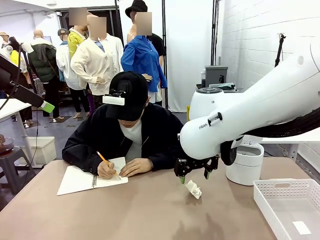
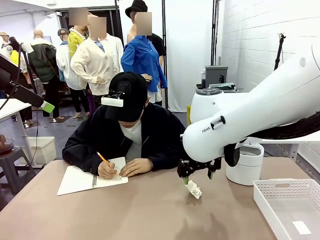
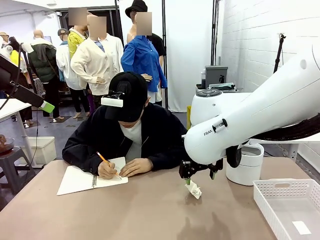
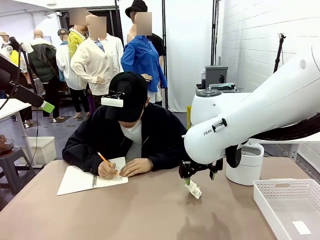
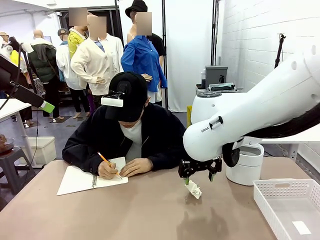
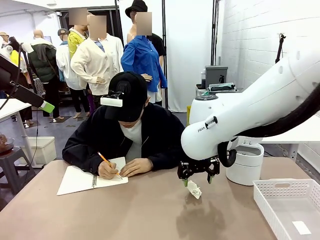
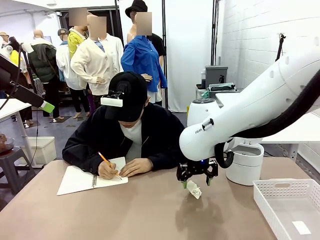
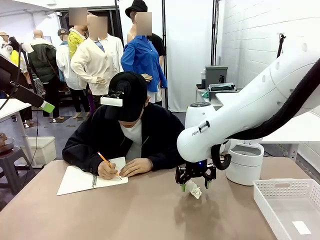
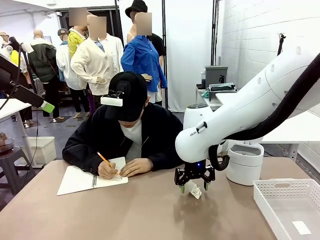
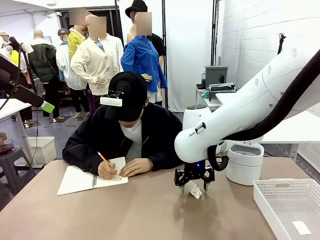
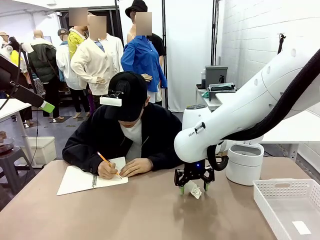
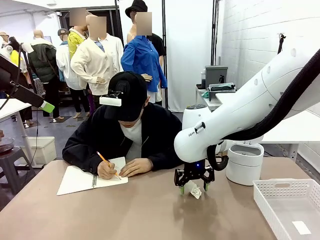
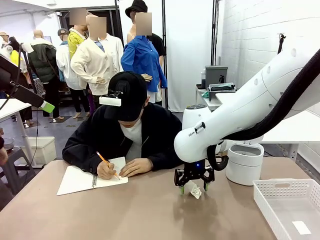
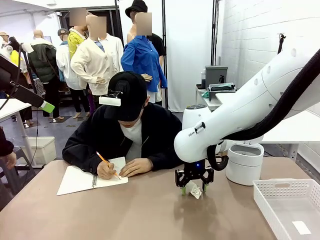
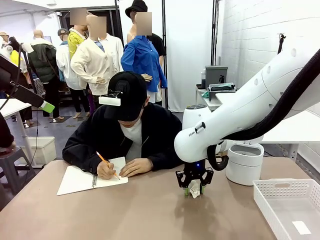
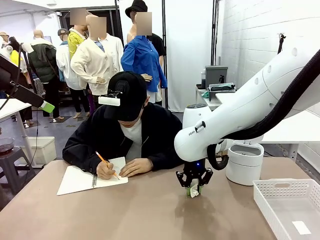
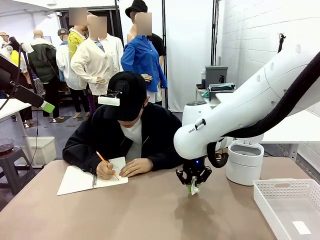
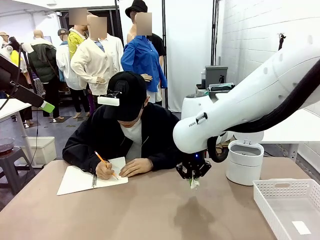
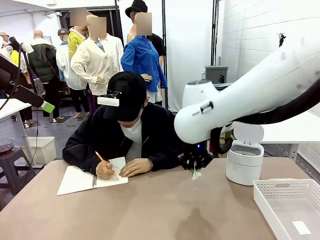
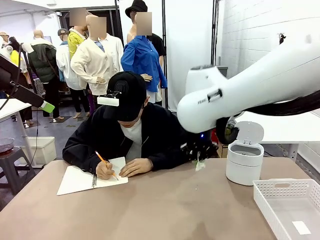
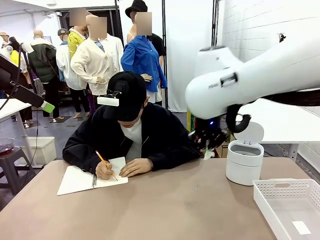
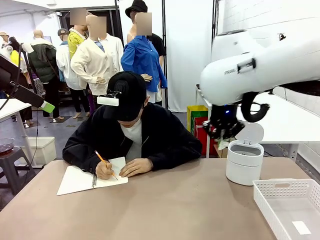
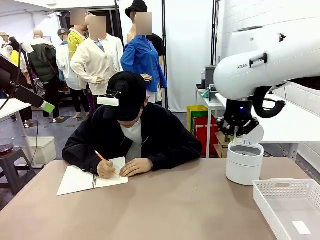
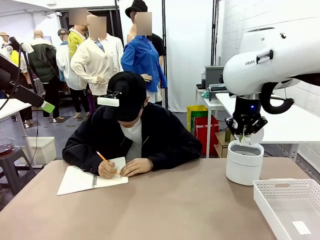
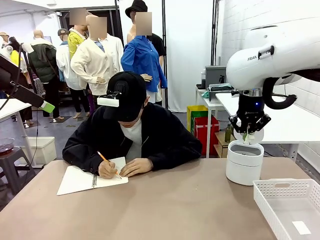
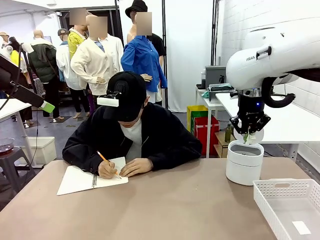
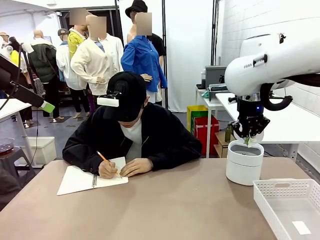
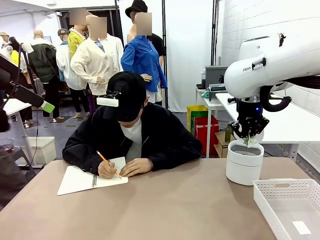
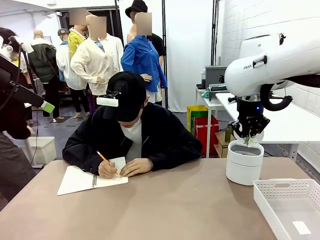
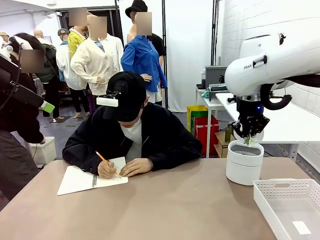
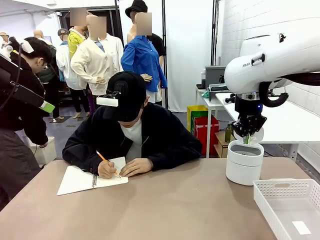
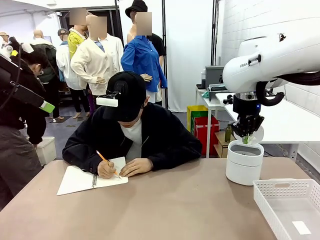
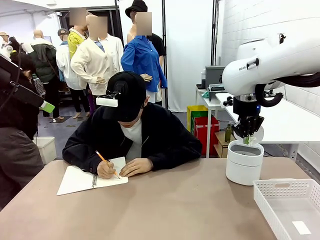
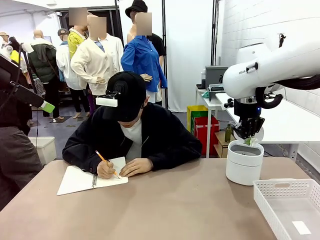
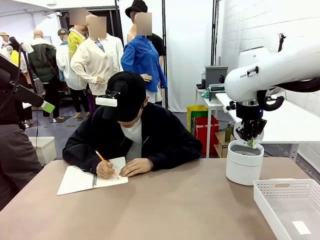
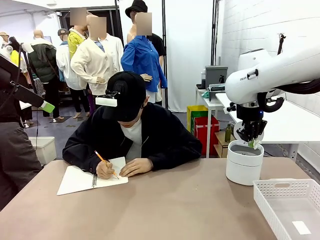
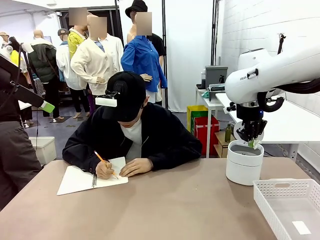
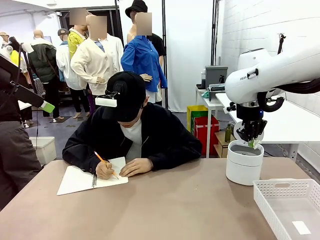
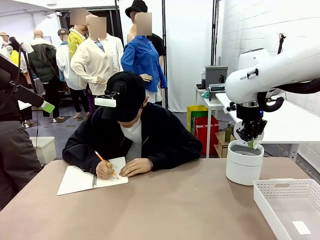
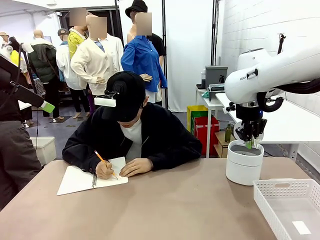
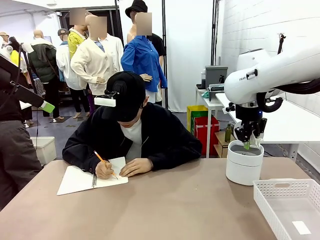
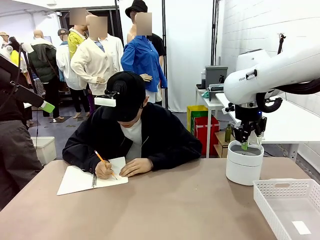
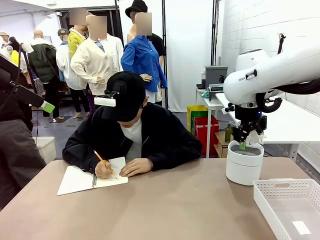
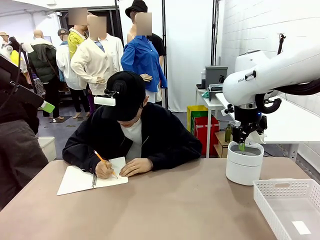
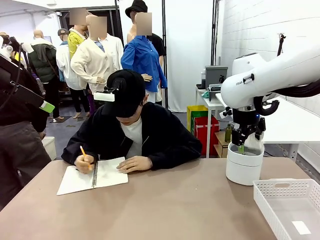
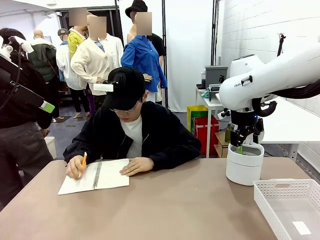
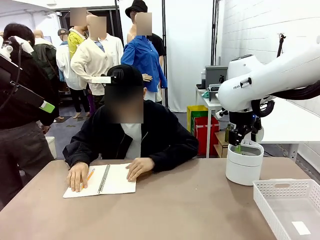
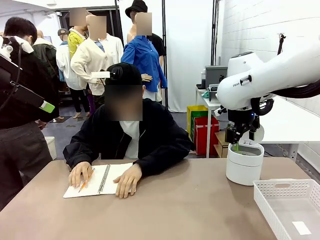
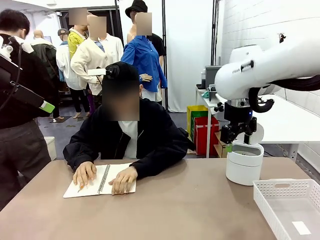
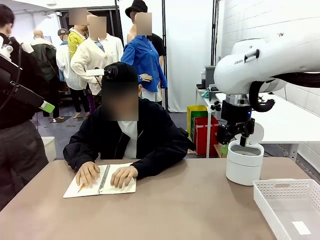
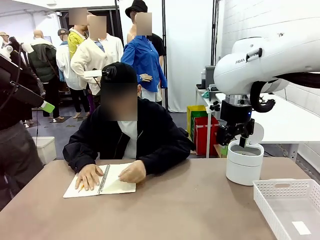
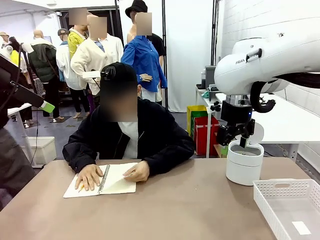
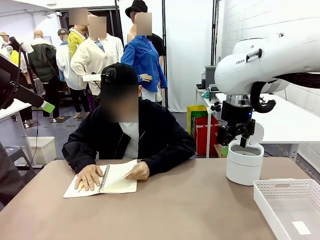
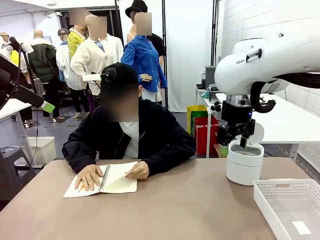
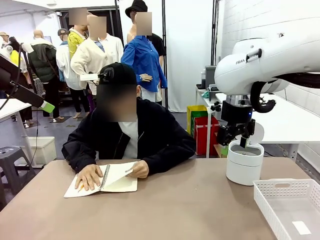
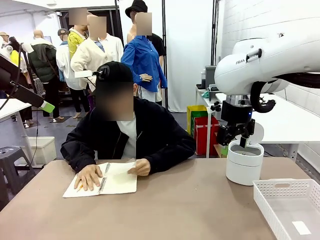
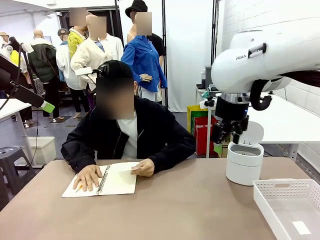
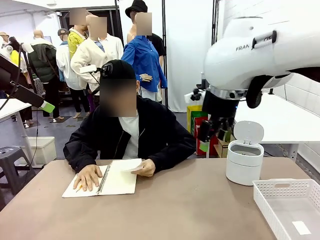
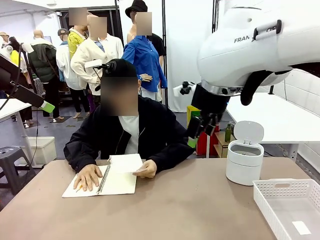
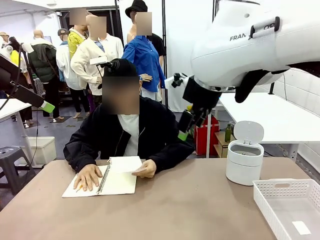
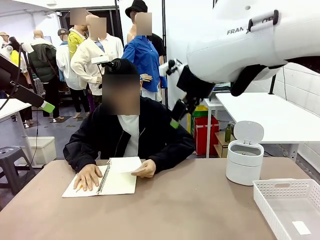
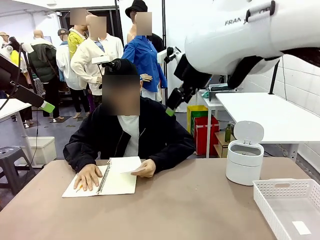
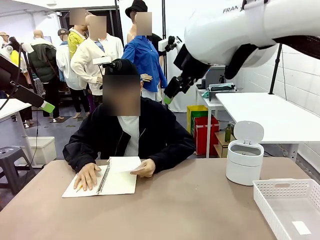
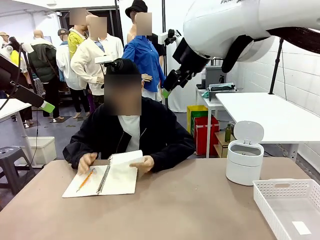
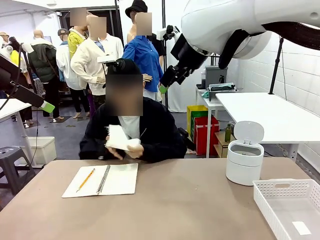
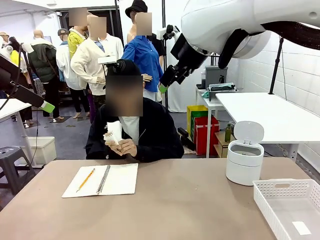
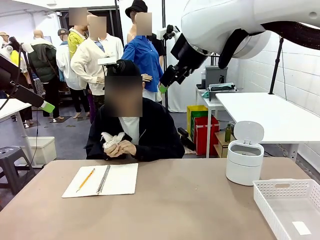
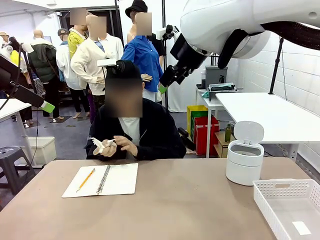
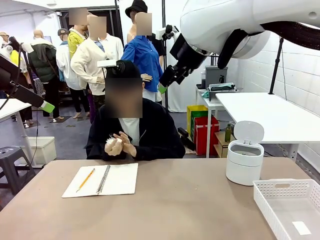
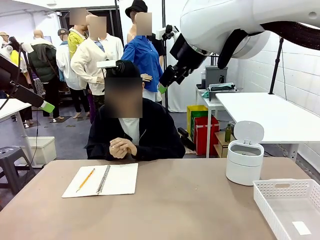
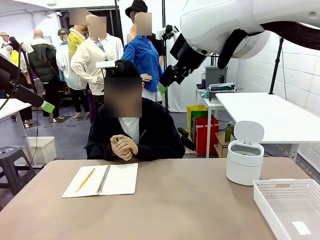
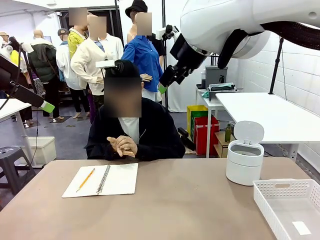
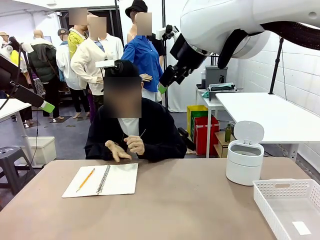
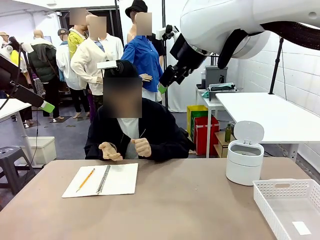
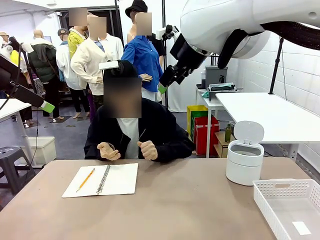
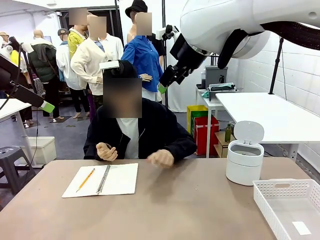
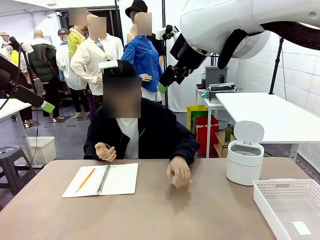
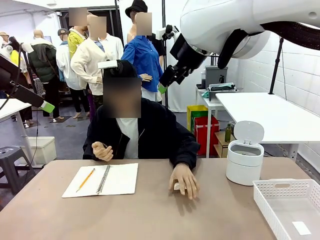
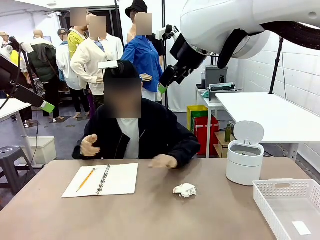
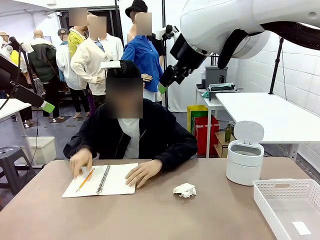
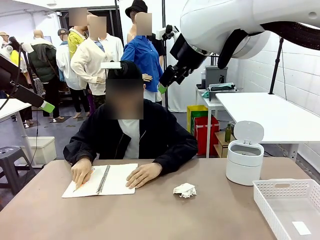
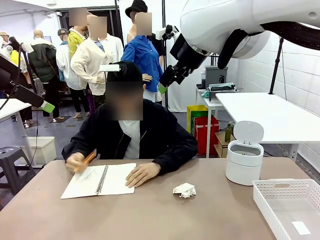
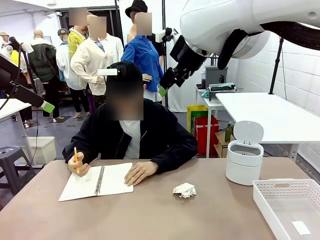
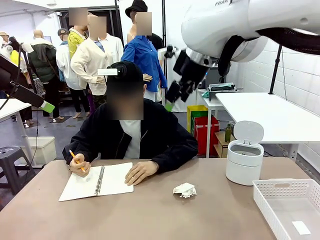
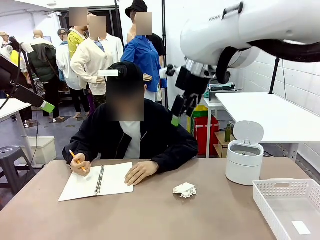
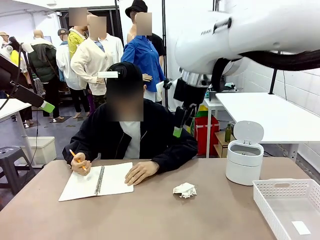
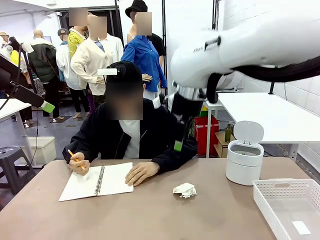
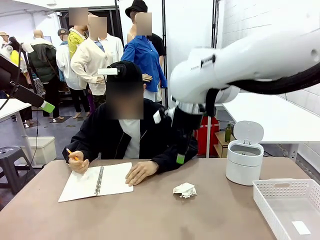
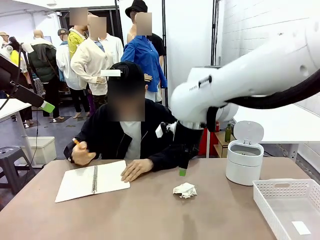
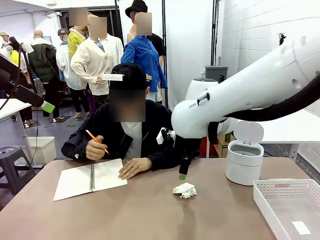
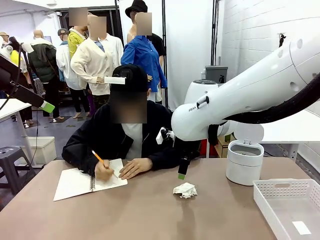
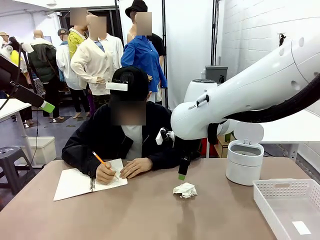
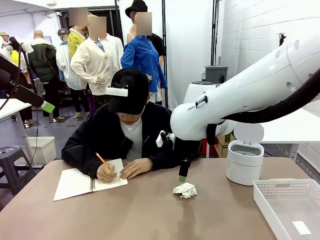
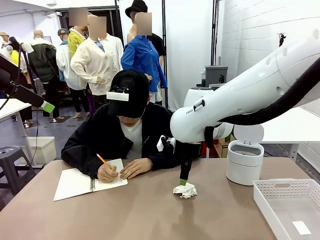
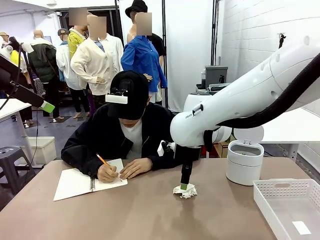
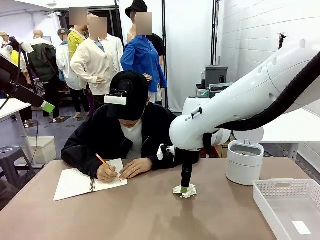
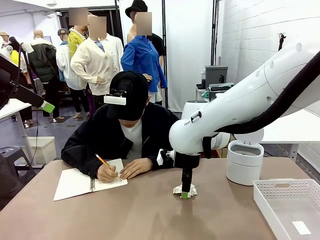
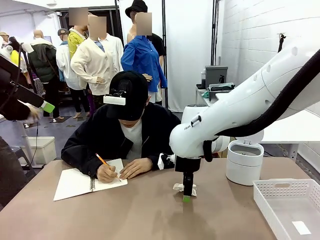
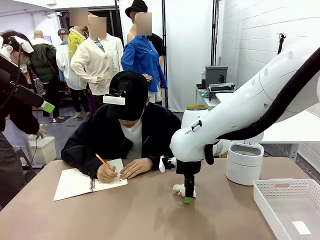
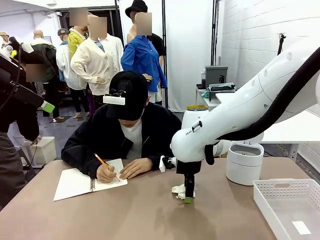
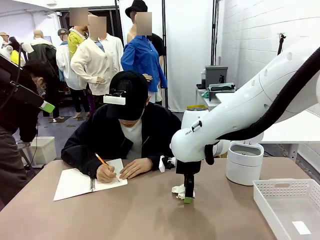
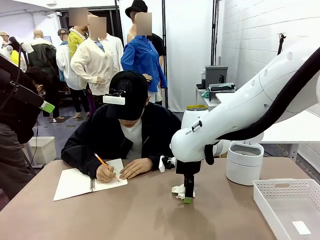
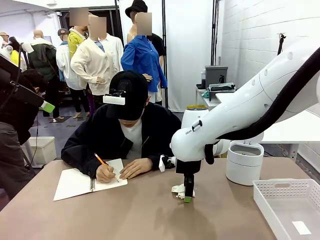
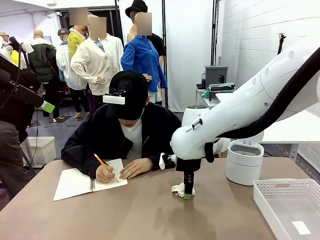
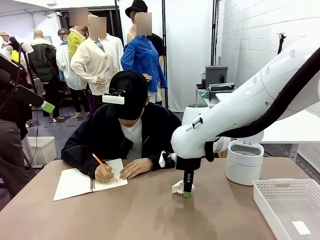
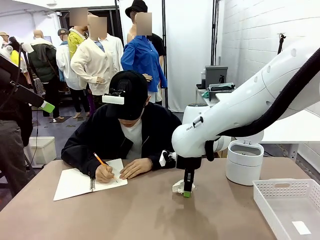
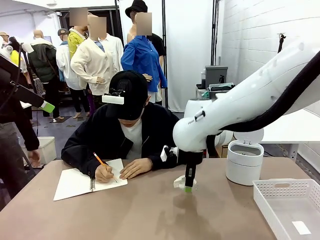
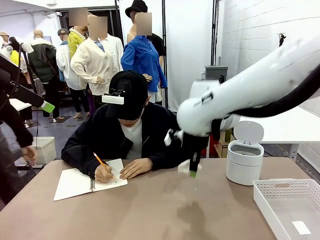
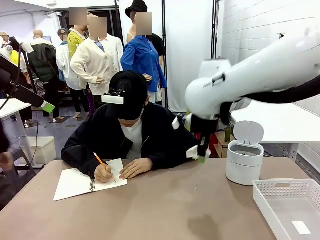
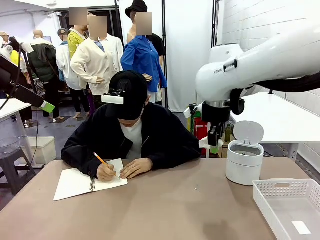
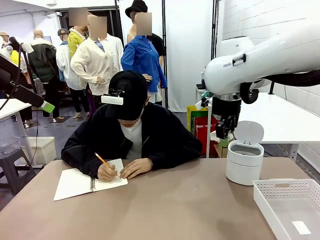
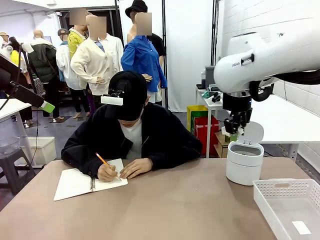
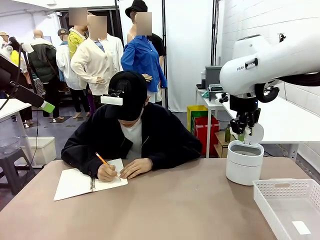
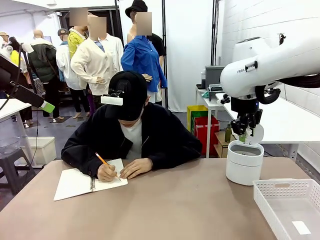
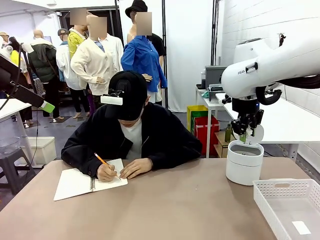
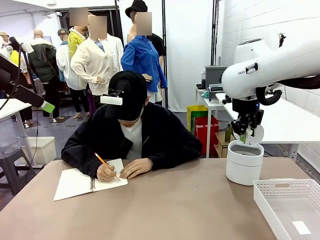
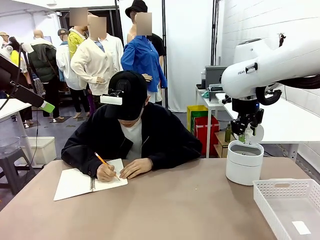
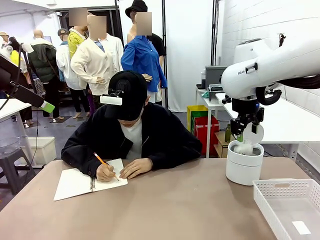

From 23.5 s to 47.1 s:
Task: Sort the paper based on its condition.
Robot: If a person hands you a paper, place it in the Organizing basket , and if it's crumpled, put it in the Trash can.
Person: Tear out a page from the spiral notebook. Hand the torn page to the robot or crumple it and throw it to the center of the table. Tear out a page from the spiral notebook.
